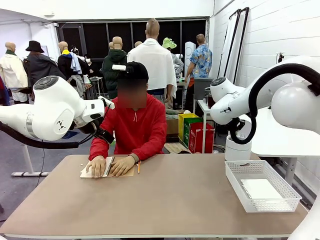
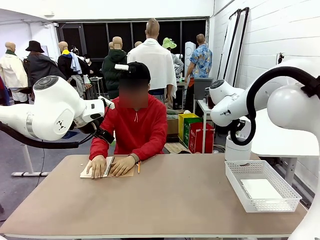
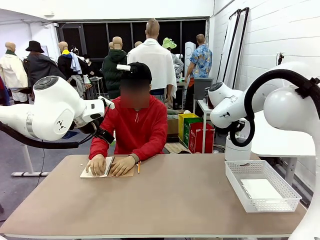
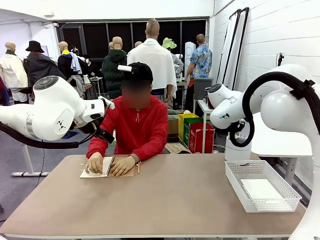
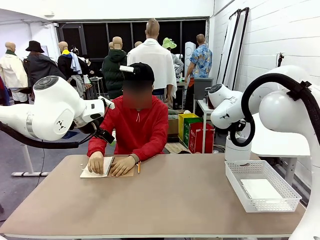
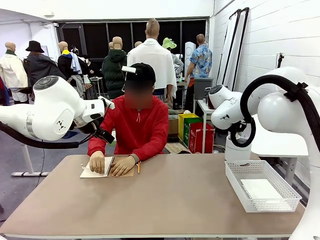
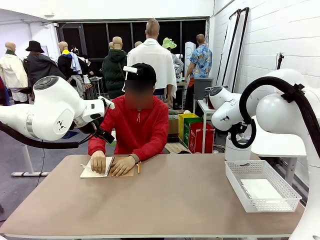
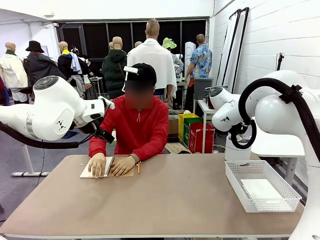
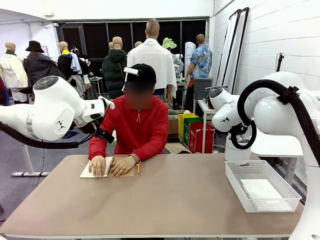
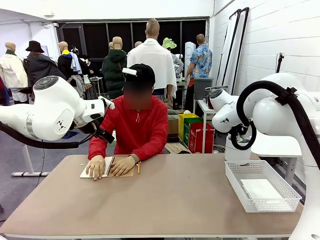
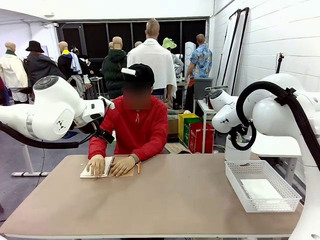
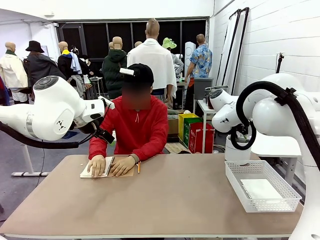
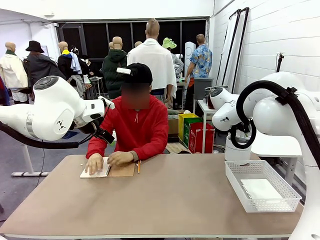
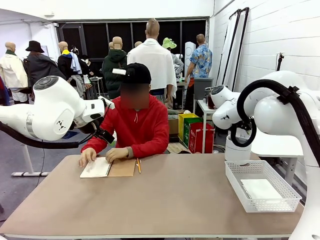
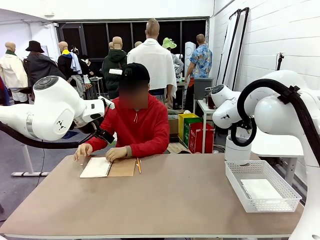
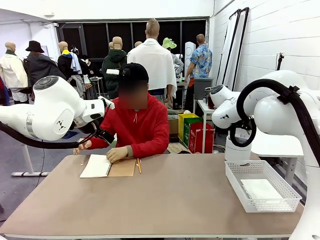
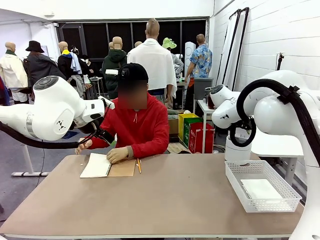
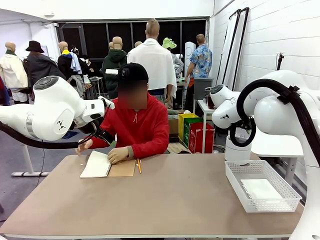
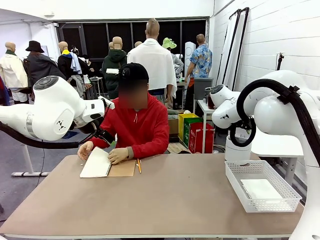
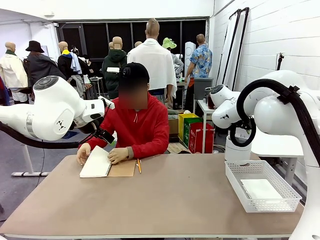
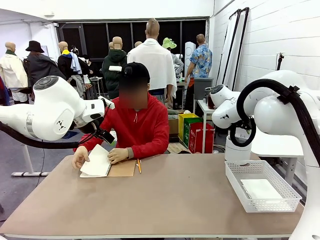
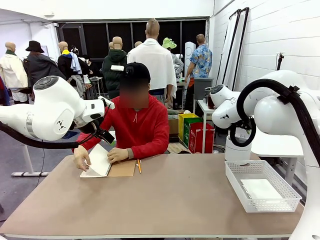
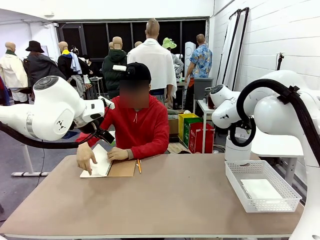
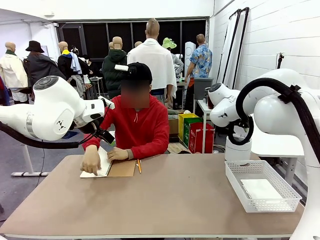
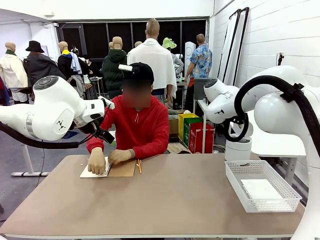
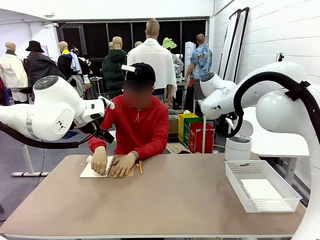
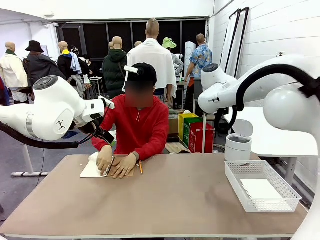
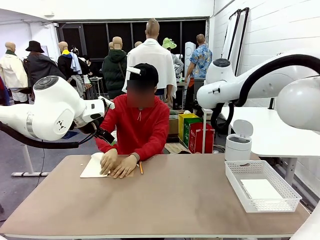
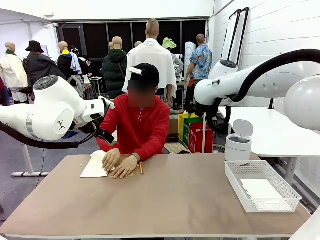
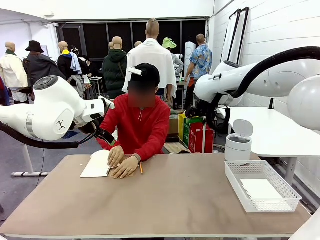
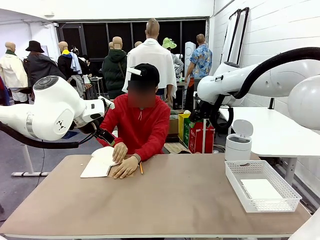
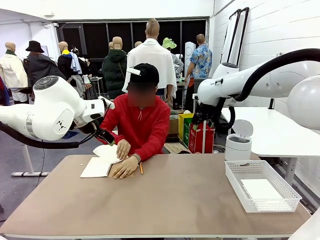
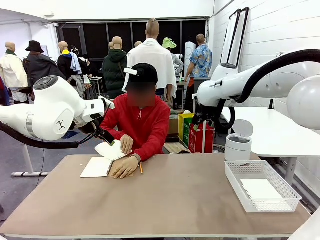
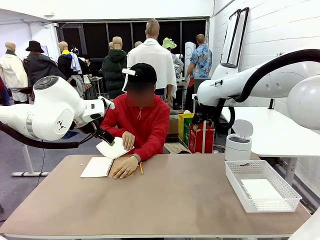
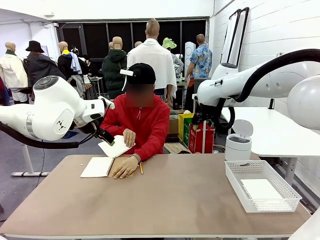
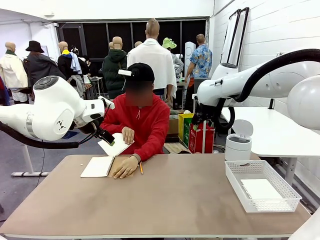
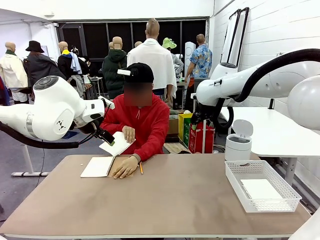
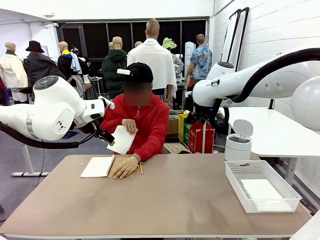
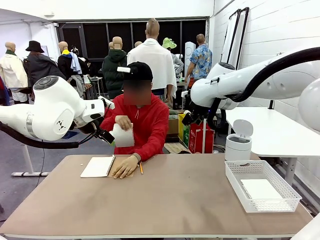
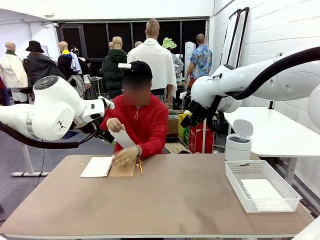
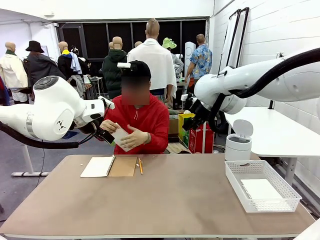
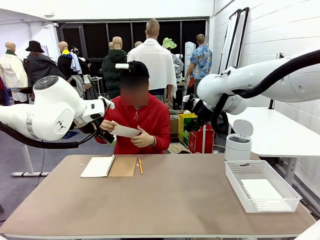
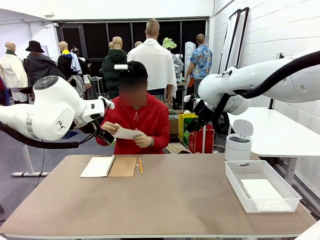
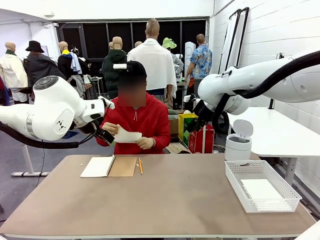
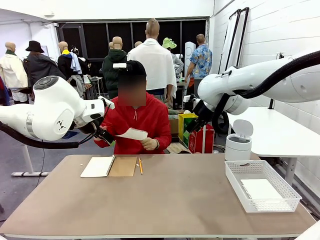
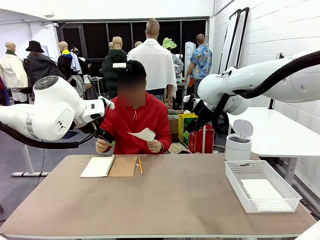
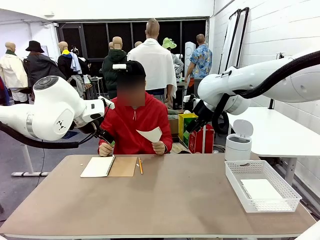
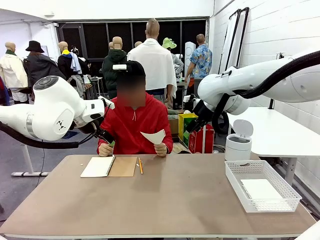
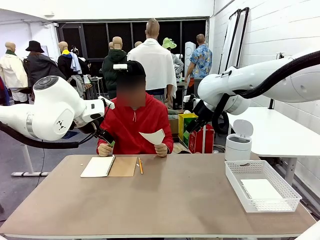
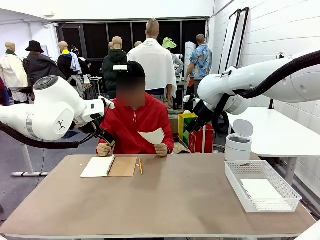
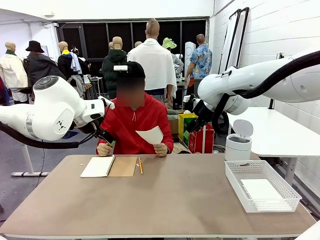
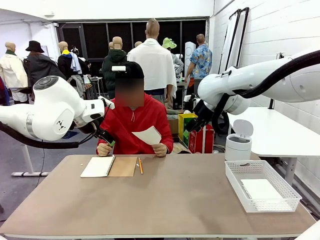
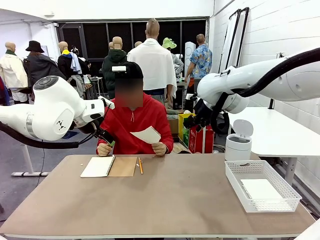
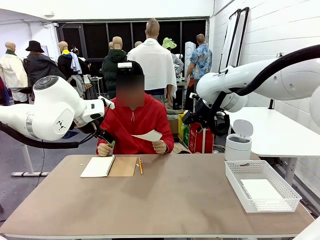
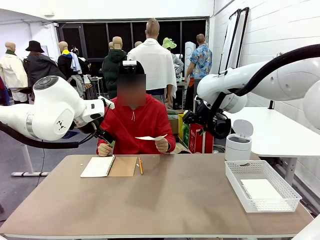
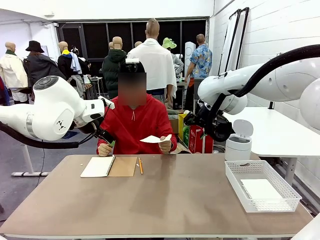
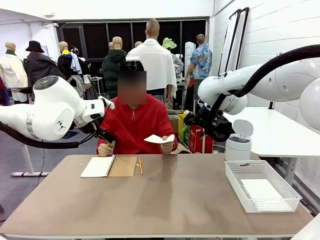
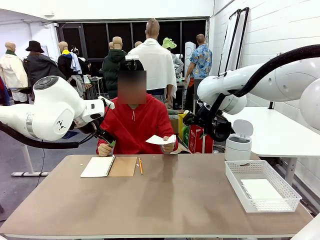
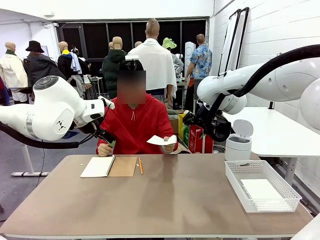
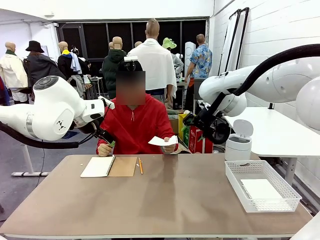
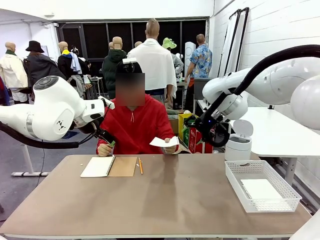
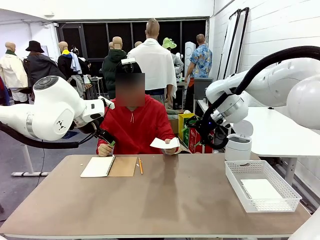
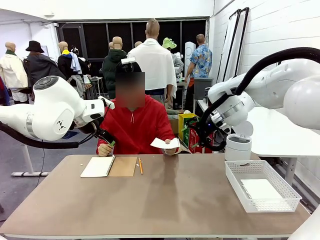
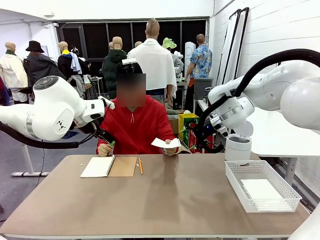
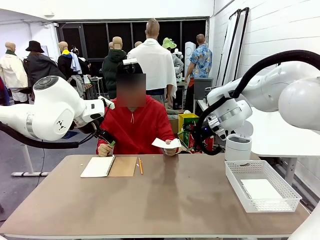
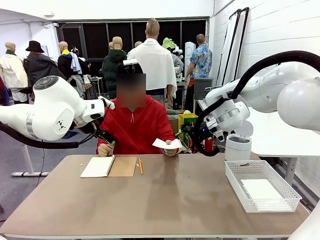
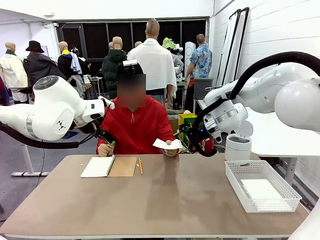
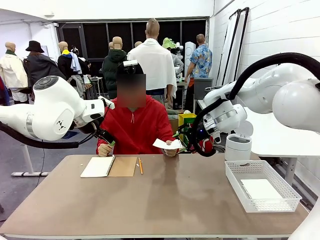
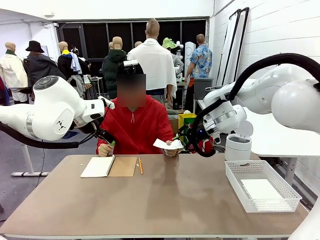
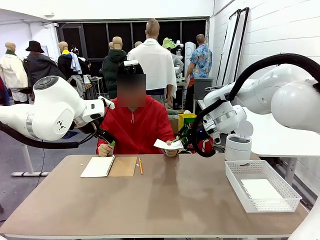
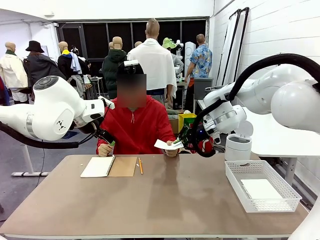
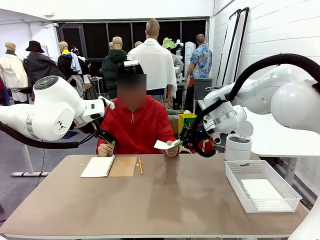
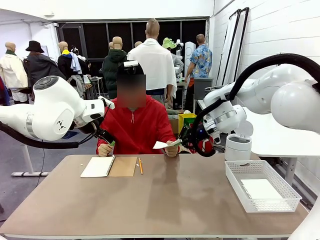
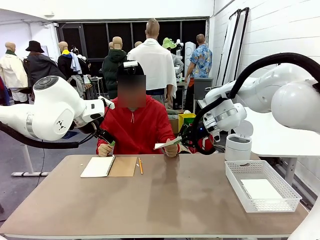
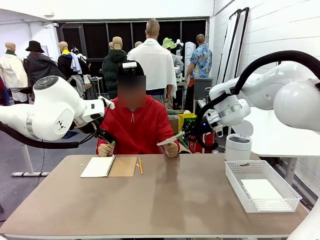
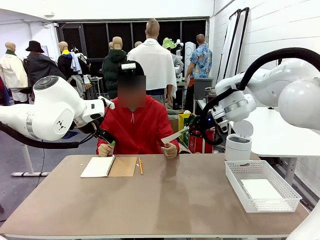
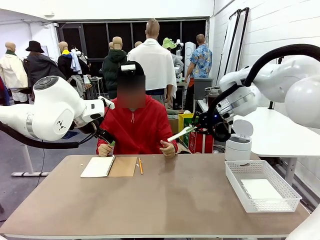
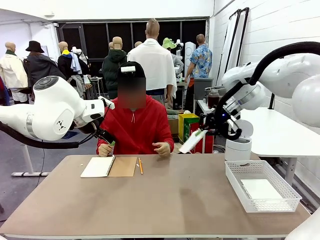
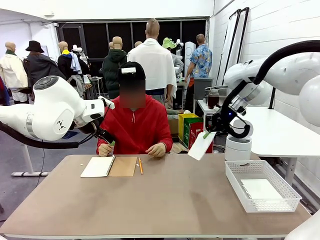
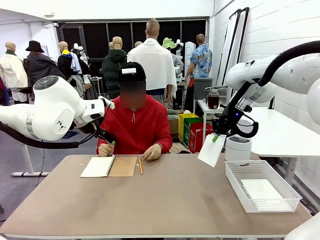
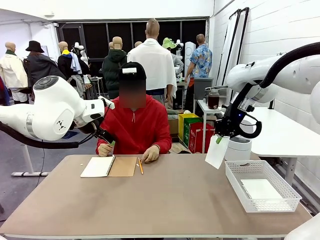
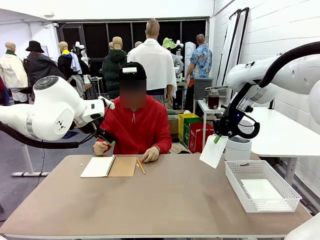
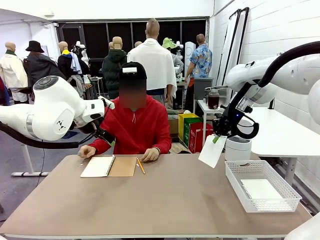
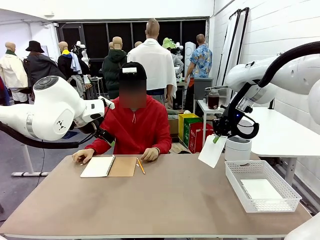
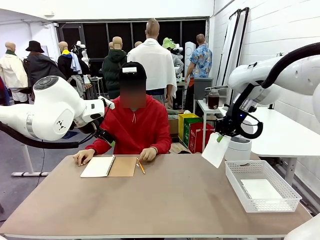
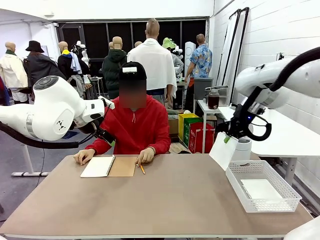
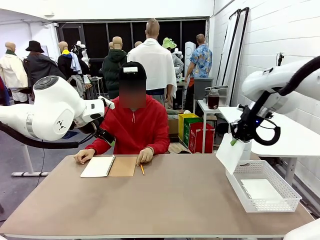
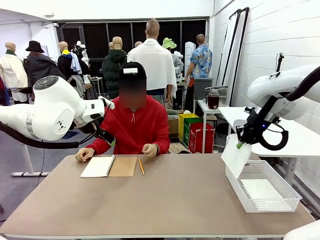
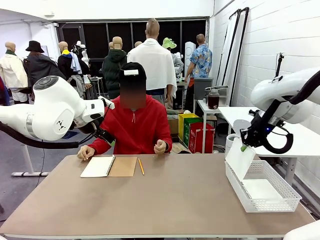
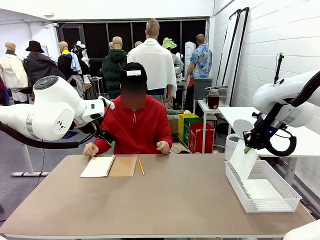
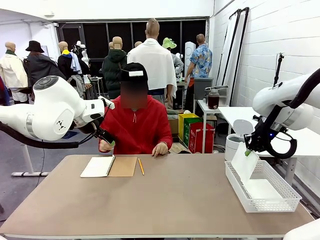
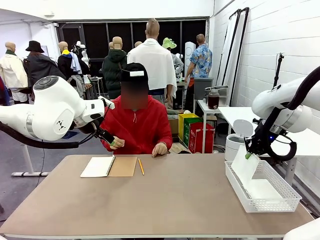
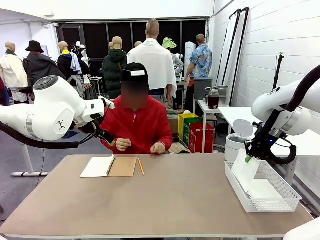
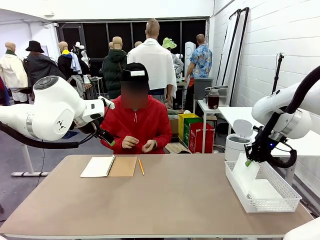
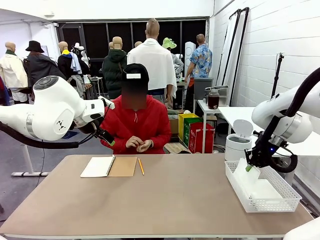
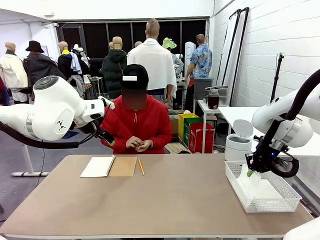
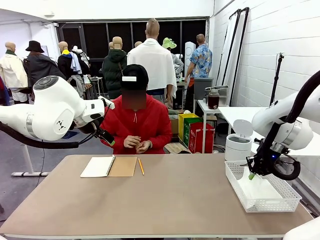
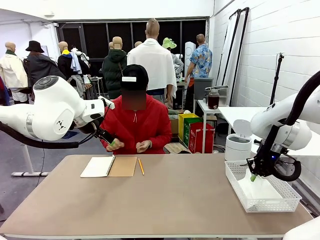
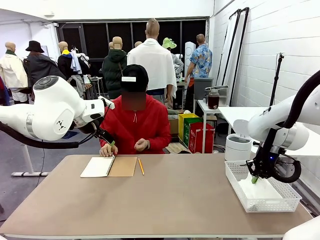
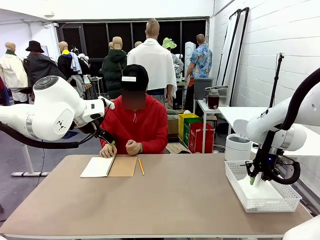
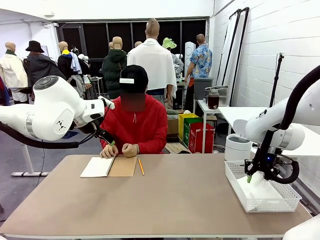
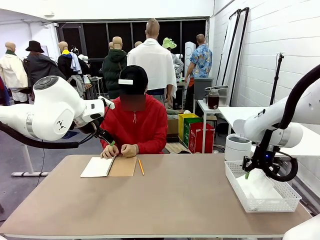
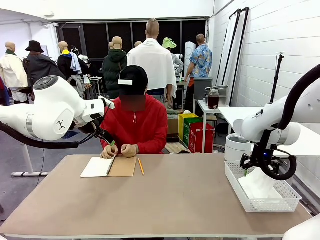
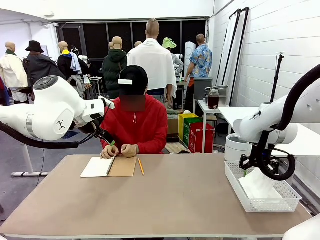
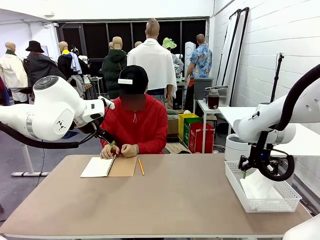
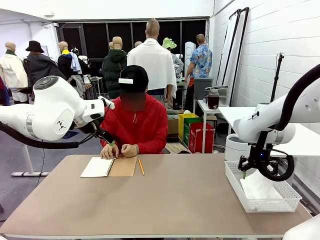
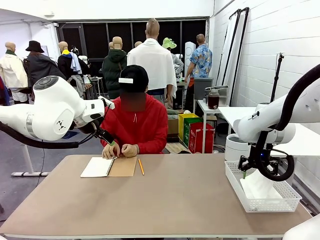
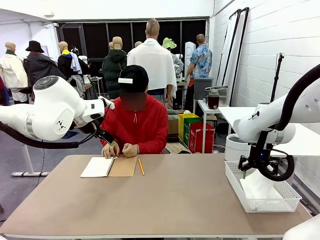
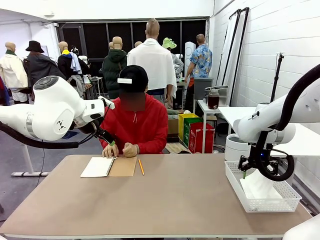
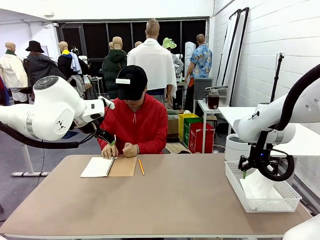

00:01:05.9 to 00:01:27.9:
Task: Sort the paper based on its condition.
Robot: If a person hands you a paper, place it in the Organizing basket , and if it's crumpled, put it in the Trash can.
Person: Hand the torn page to the robot or crumple it and throw it to the center of the table.
